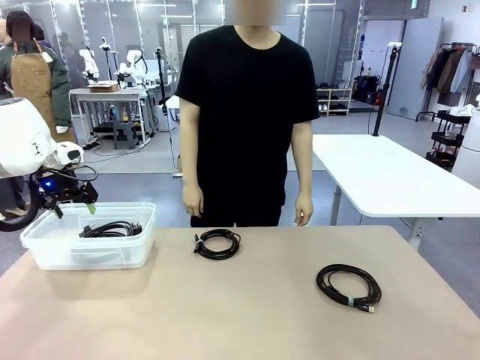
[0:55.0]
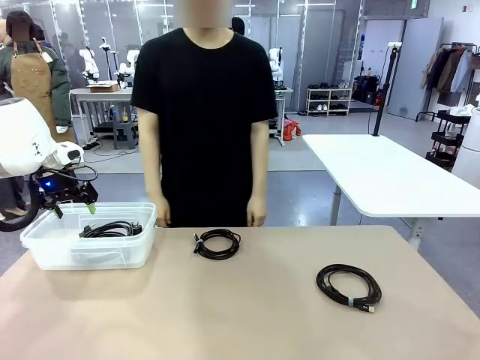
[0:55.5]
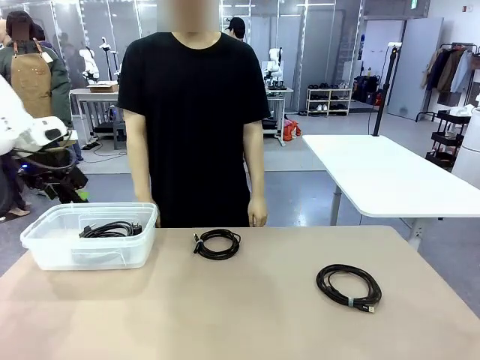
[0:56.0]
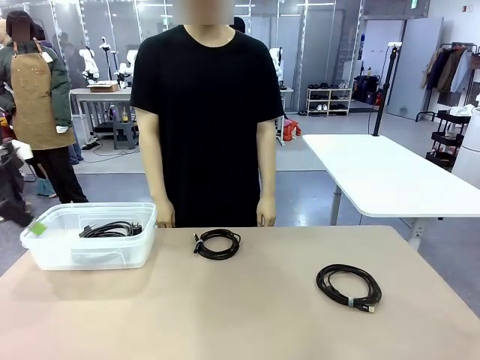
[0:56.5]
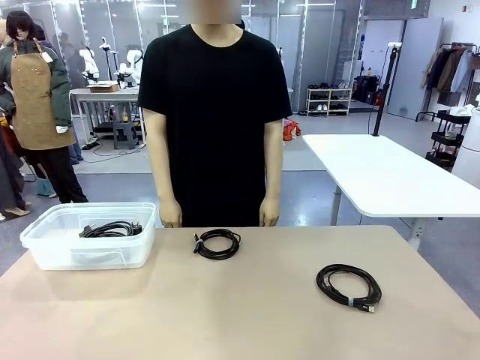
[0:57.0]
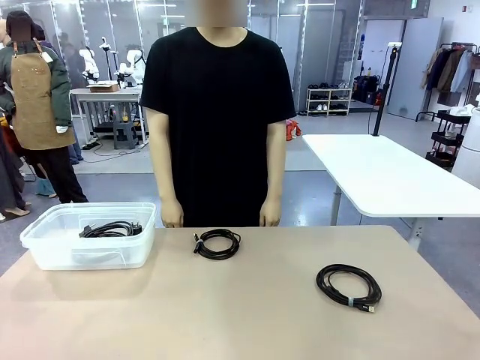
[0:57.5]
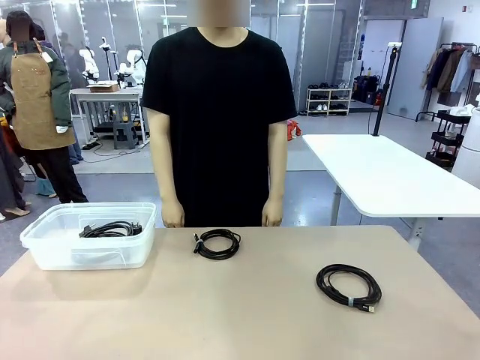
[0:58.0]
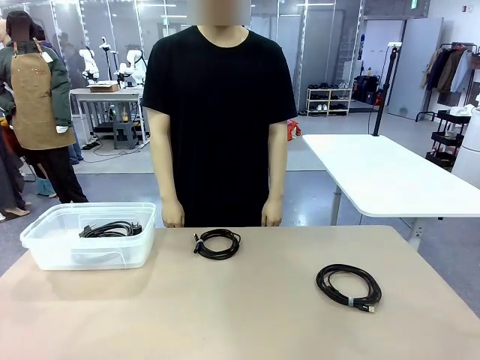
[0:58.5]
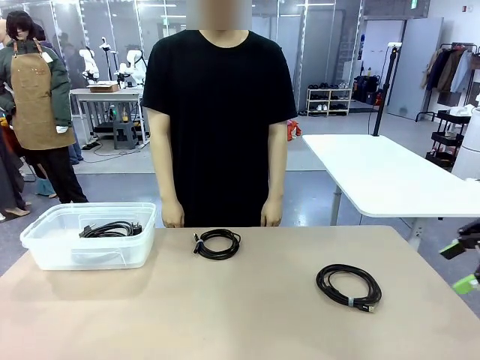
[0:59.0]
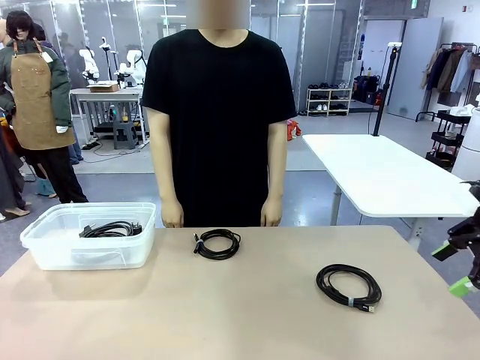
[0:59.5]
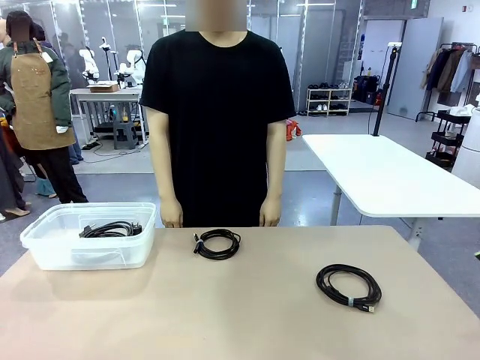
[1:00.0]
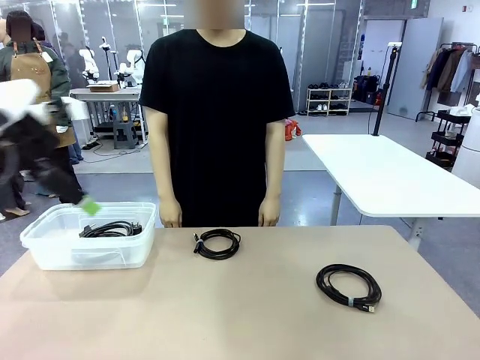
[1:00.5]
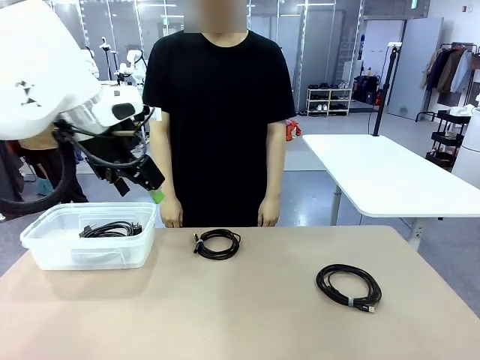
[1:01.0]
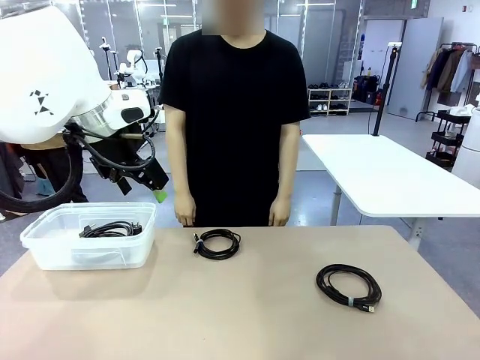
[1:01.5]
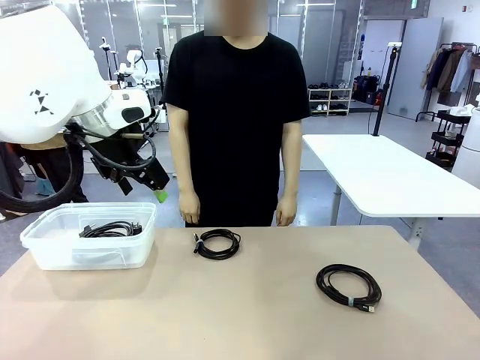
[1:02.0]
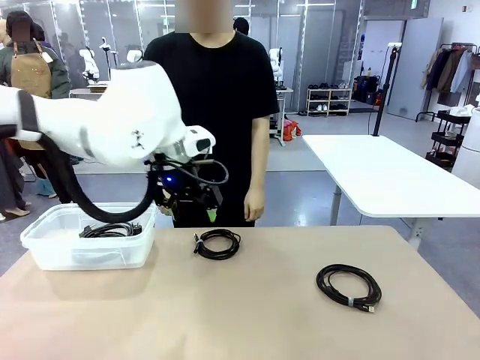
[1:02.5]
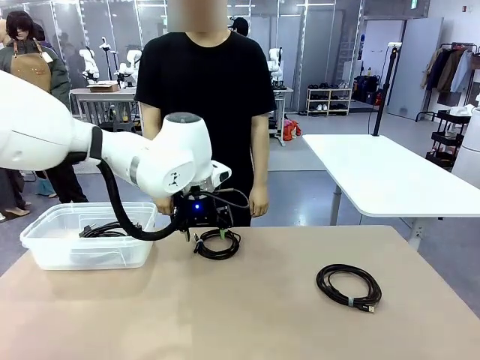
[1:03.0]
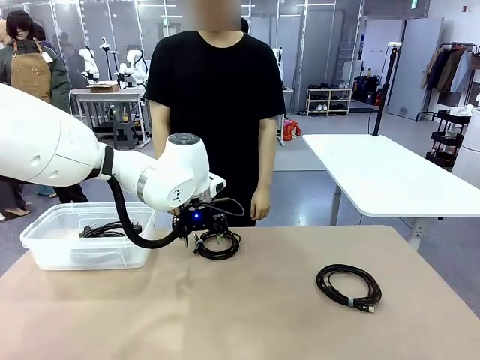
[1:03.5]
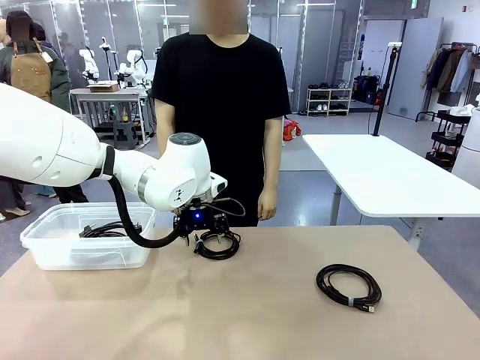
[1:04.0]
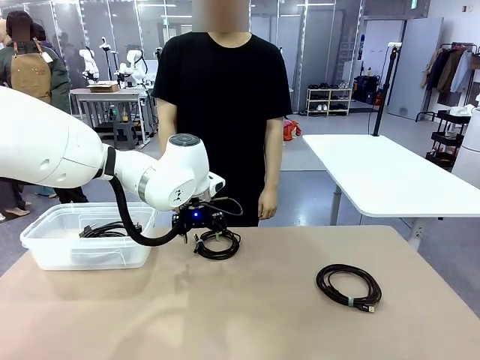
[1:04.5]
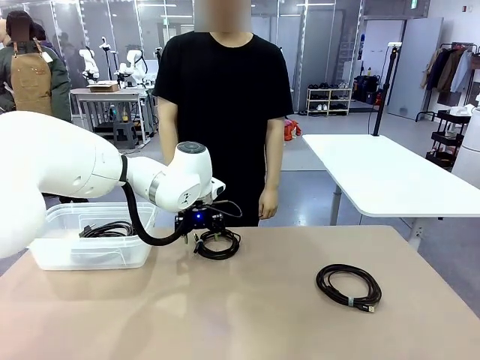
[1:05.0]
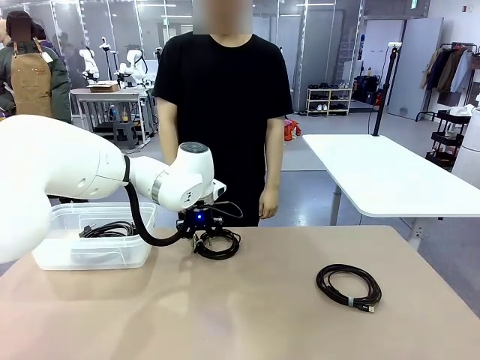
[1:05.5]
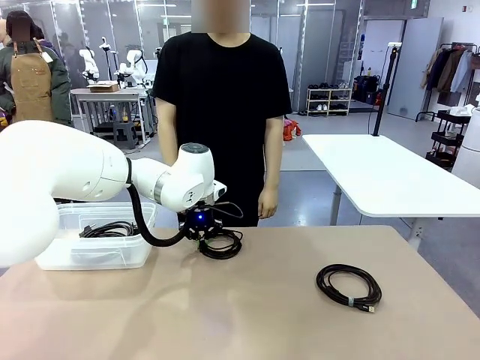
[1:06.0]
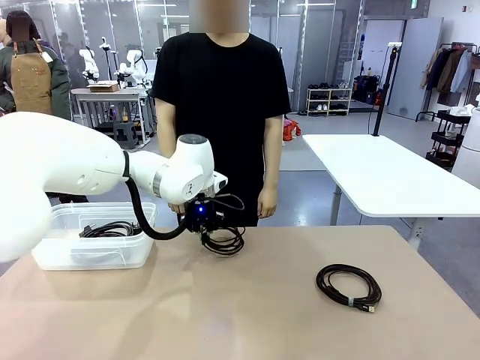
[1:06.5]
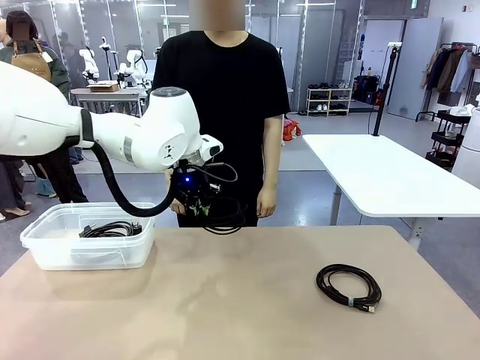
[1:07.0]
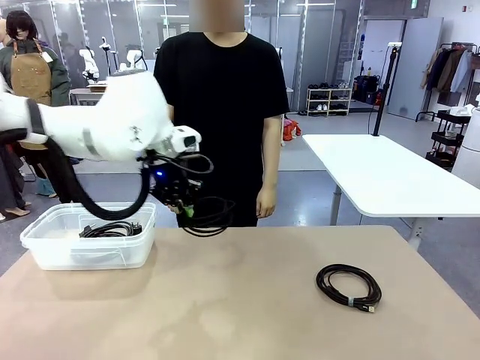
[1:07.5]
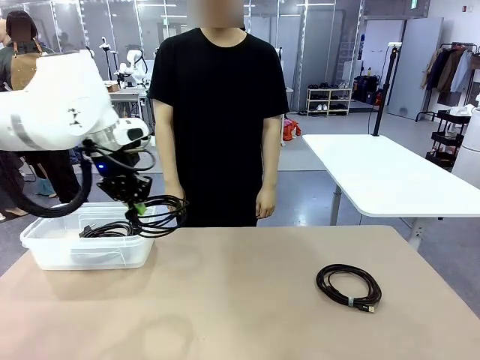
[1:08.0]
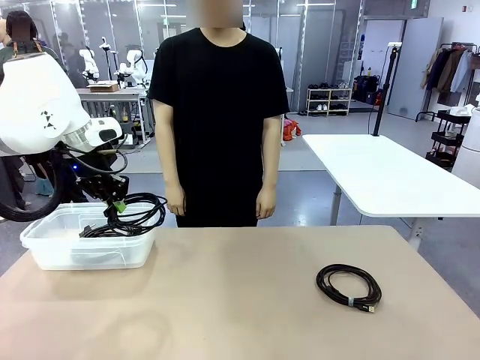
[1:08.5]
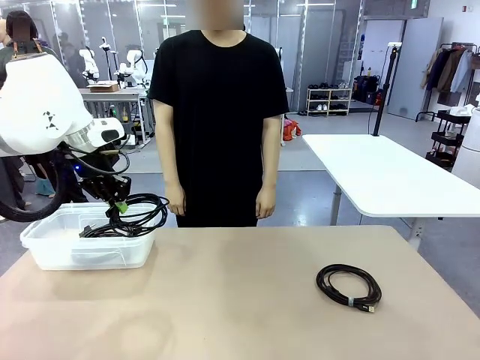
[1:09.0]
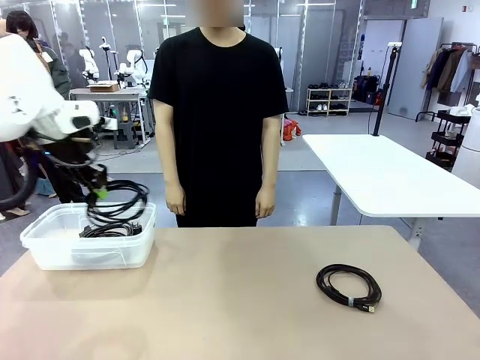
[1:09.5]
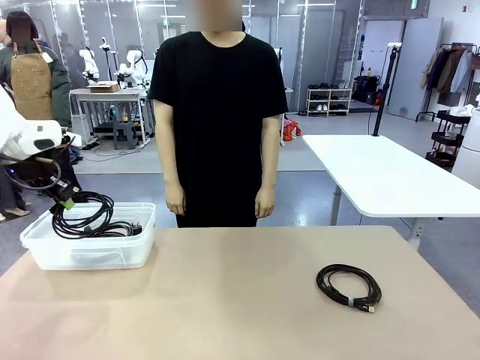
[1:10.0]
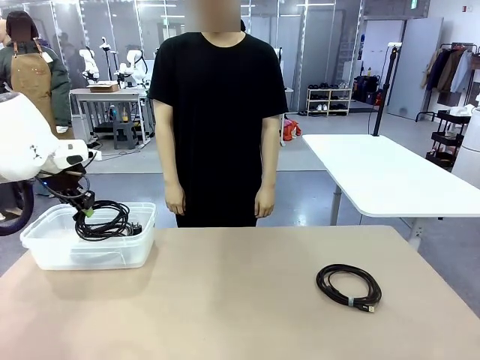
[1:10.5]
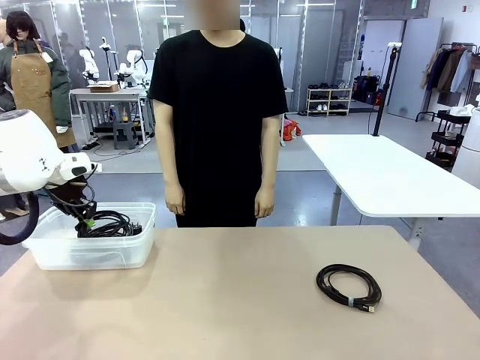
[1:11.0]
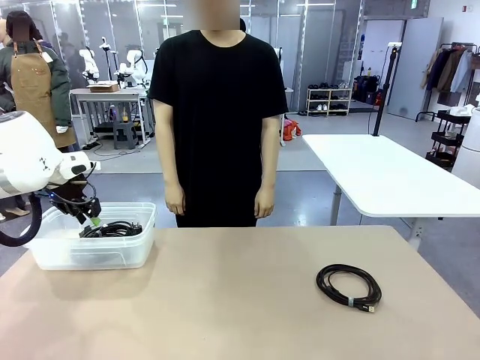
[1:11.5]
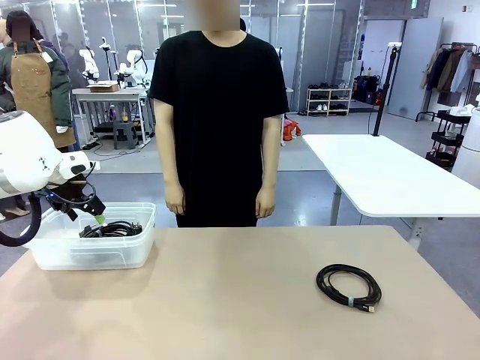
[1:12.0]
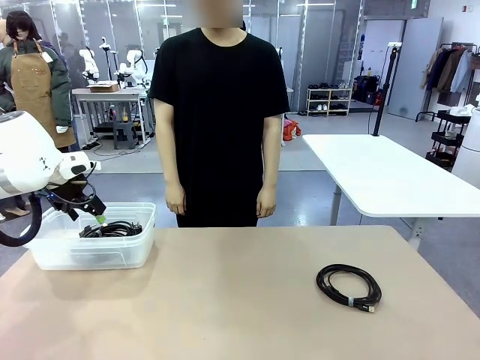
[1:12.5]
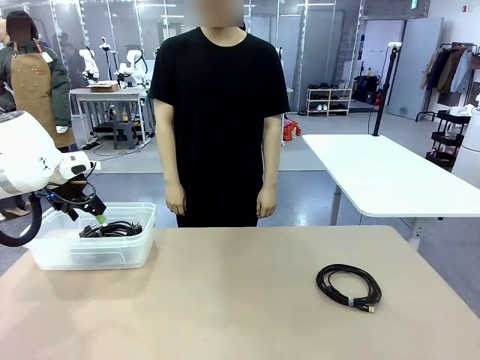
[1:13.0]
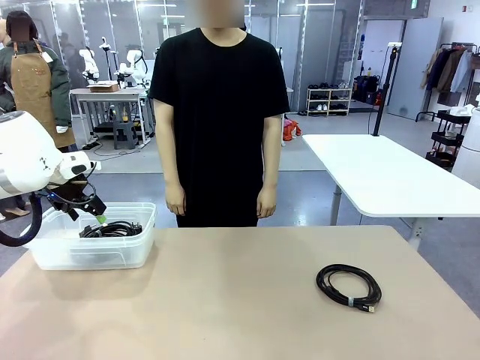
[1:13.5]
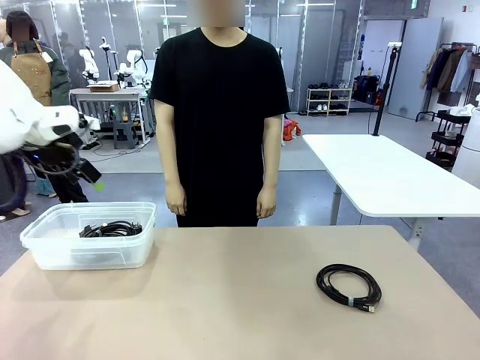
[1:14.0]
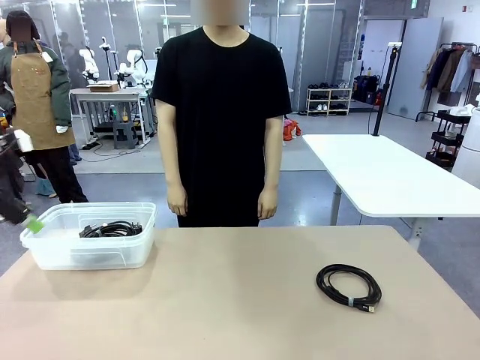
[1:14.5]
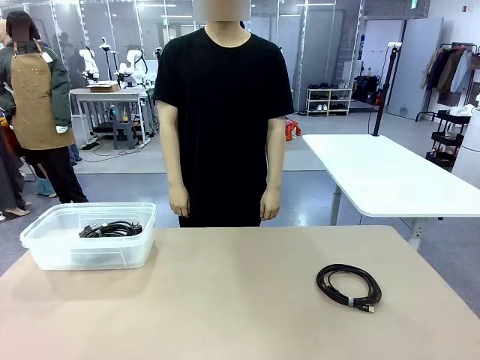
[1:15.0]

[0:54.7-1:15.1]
Task: Organize and store the cables.
Robot: Place the USB Extension Cable into the Organizing box.

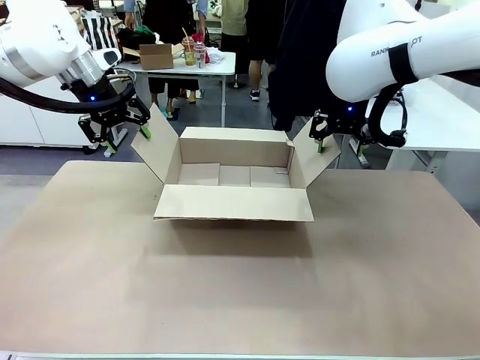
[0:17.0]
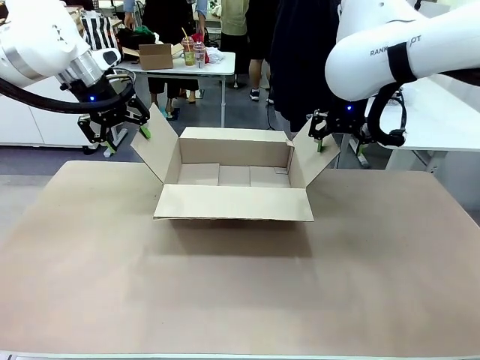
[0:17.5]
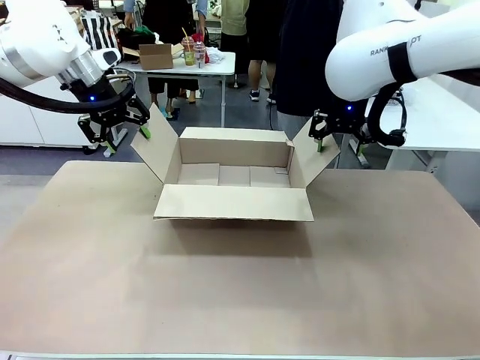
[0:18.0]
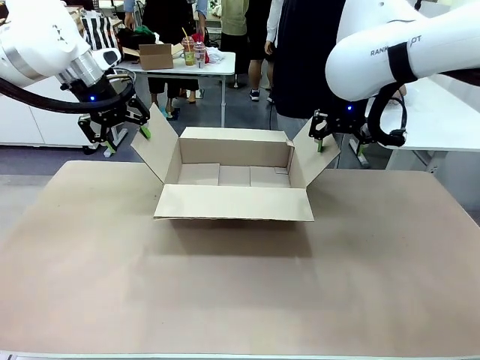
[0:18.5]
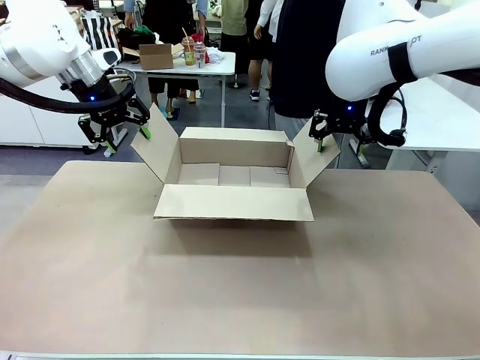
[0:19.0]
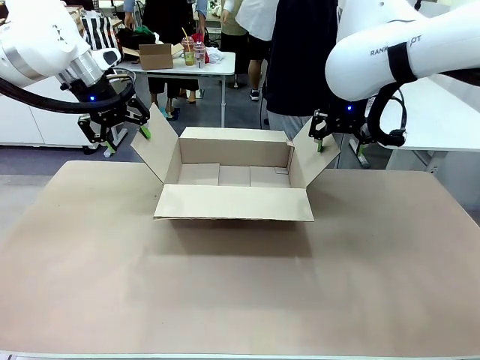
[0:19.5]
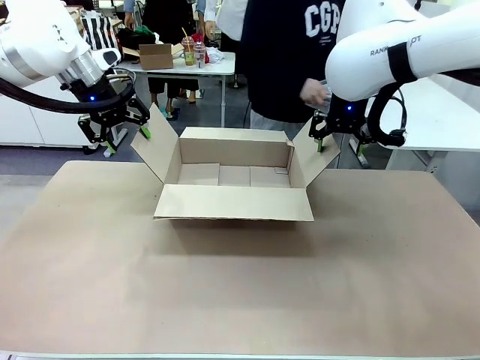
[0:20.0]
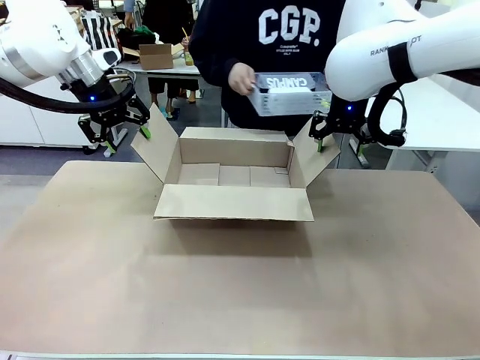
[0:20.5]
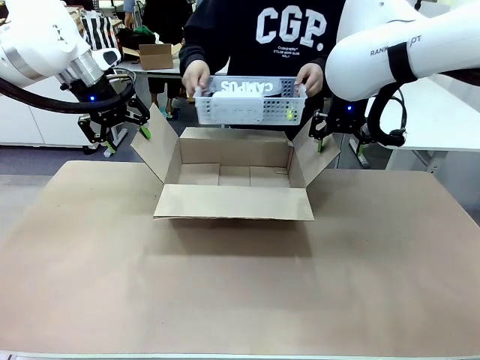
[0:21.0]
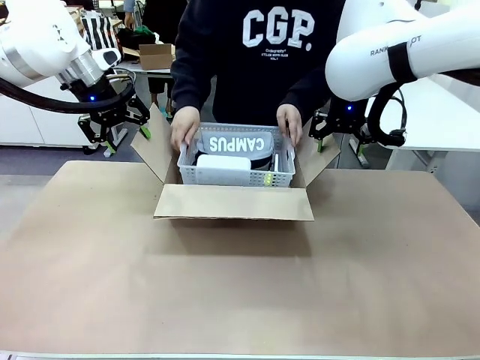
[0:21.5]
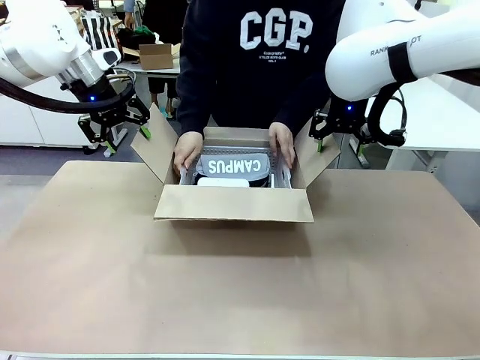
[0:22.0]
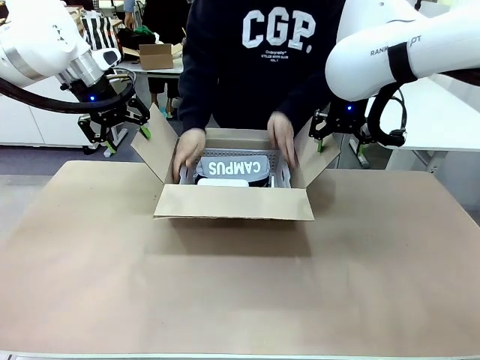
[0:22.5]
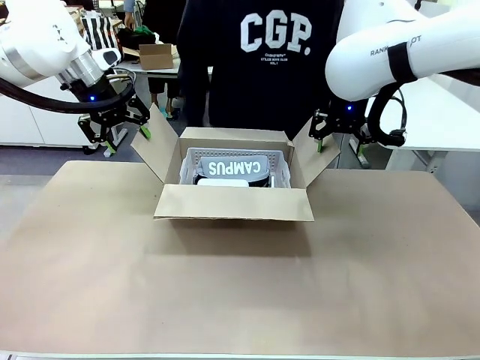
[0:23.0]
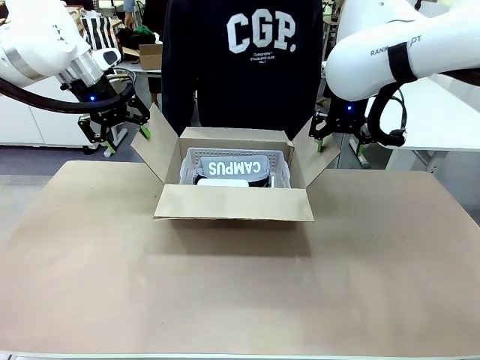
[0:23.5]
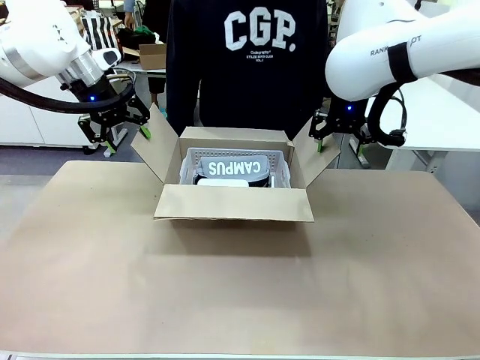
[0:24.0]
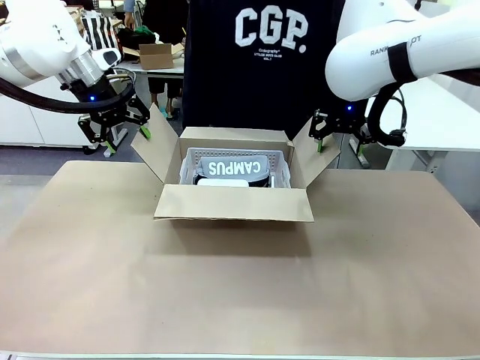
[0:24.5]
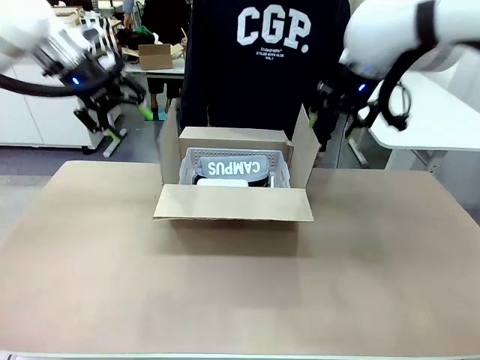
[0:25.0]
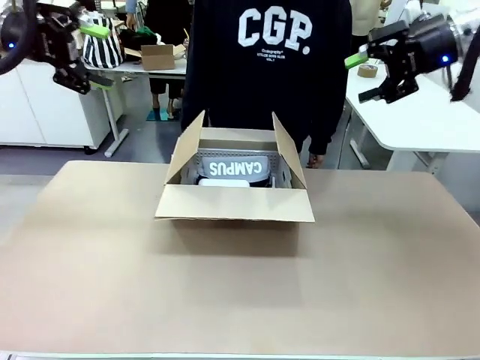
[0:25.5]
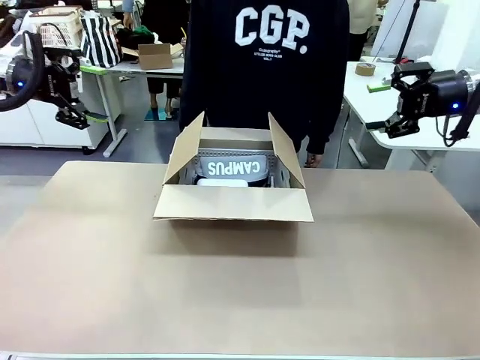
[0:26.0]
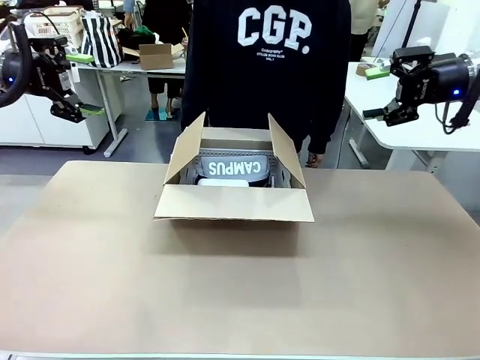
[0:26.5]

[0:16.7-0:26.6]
Task: Pack the gift set into the box.
Robot: Lift both hands away from the flaps of the Package Box.
Person: The human picks up the organizing basket and places the organizing basket into the package box on the robot table.
